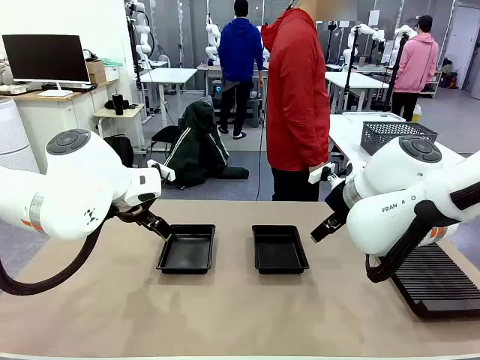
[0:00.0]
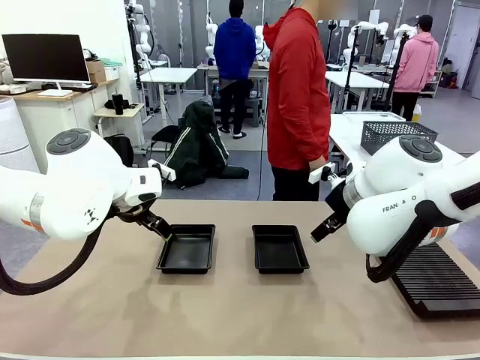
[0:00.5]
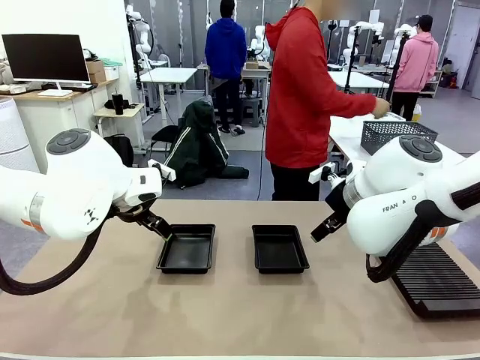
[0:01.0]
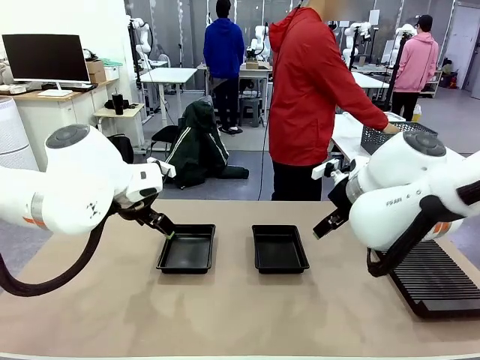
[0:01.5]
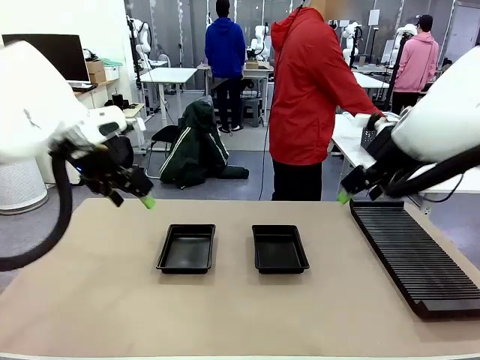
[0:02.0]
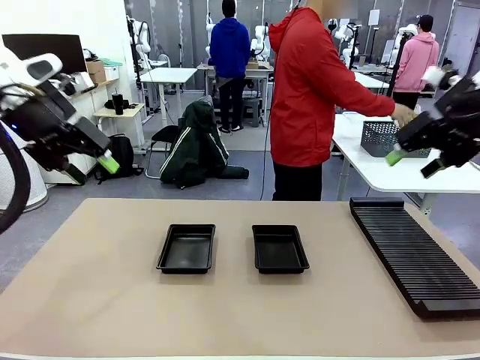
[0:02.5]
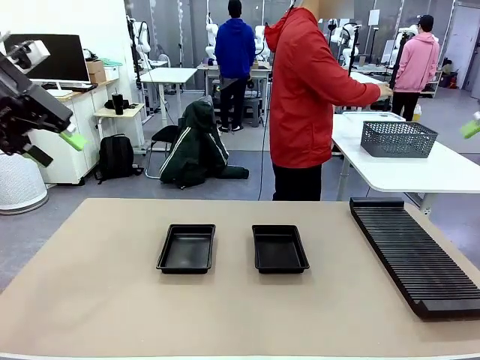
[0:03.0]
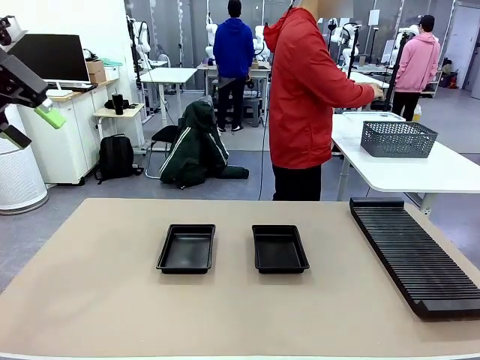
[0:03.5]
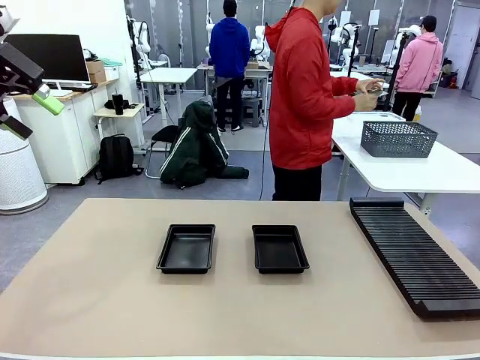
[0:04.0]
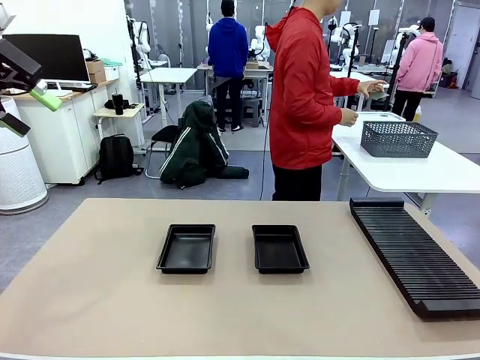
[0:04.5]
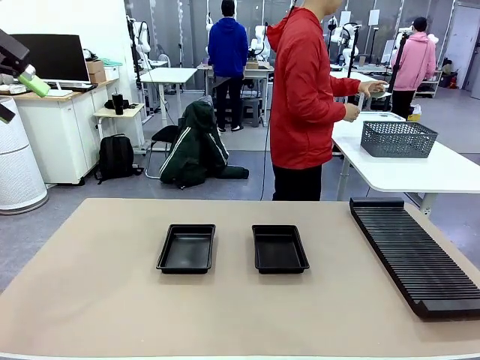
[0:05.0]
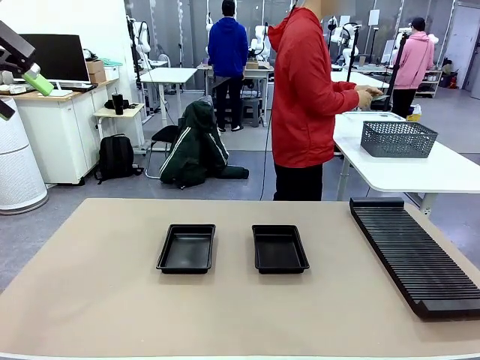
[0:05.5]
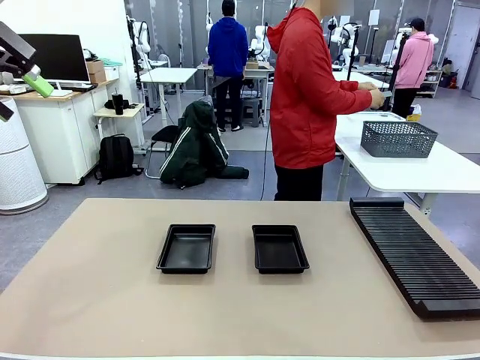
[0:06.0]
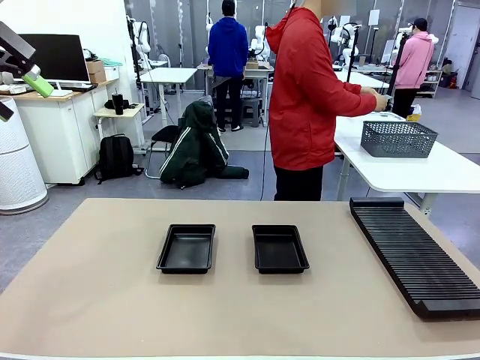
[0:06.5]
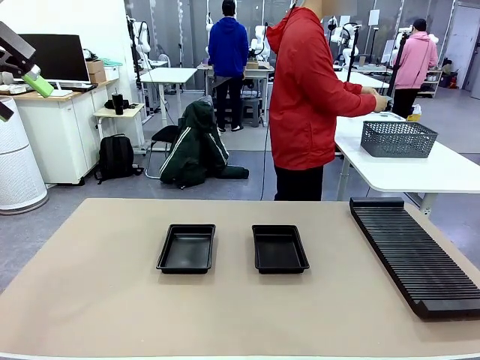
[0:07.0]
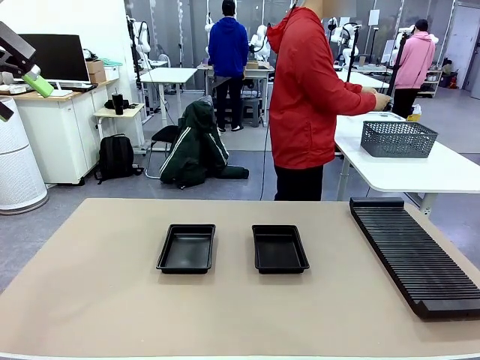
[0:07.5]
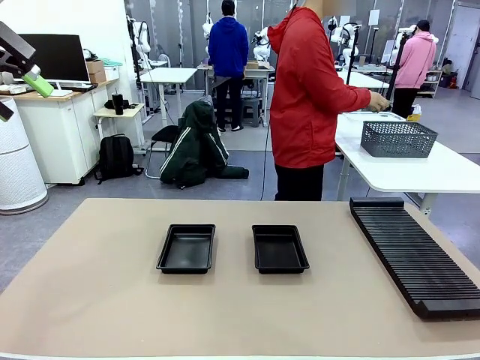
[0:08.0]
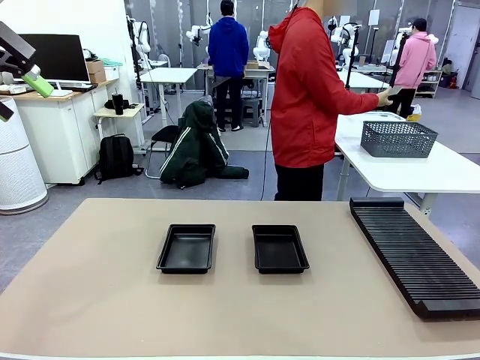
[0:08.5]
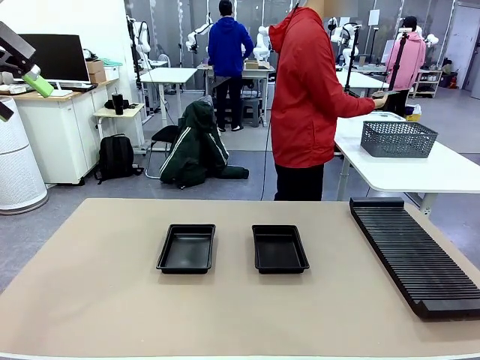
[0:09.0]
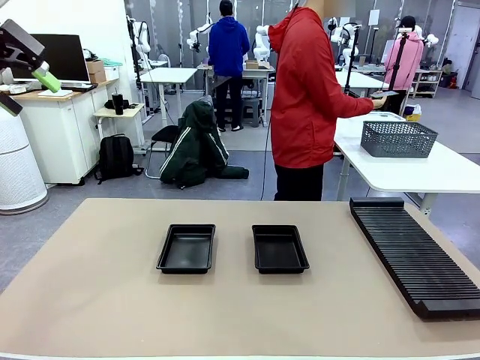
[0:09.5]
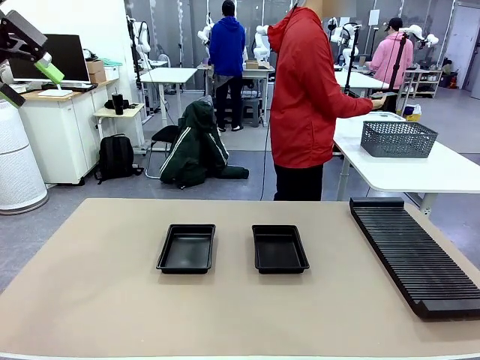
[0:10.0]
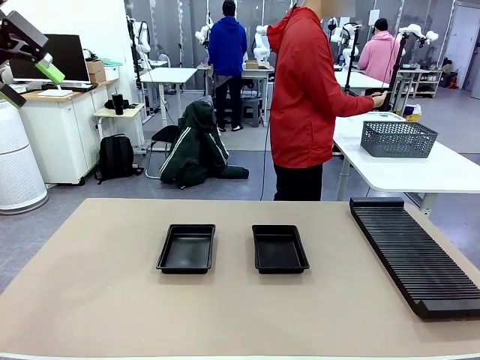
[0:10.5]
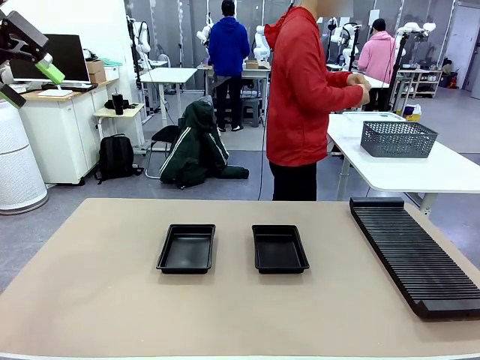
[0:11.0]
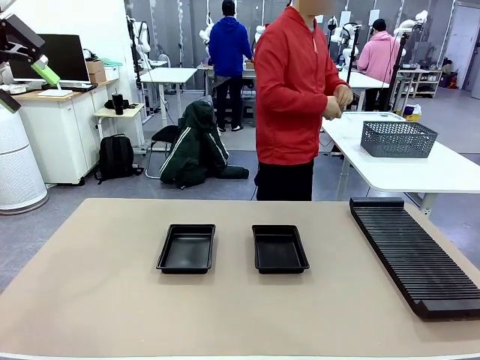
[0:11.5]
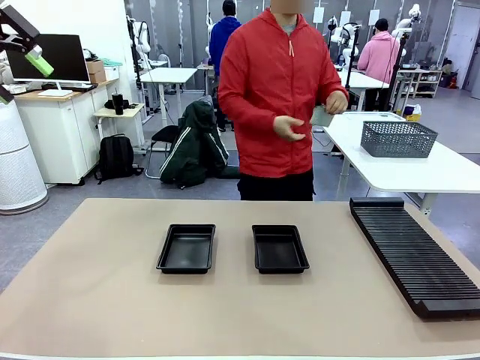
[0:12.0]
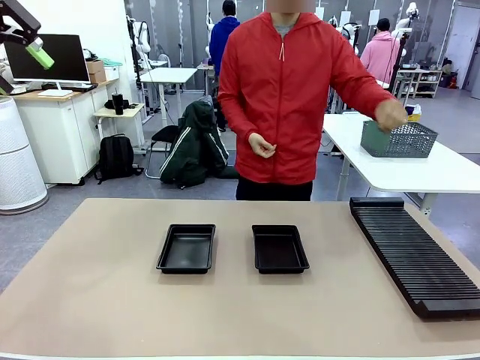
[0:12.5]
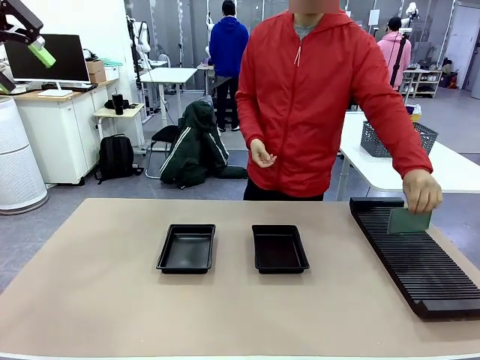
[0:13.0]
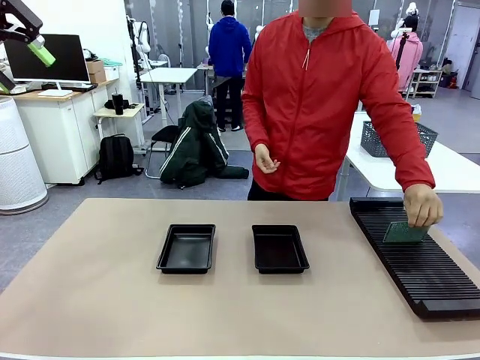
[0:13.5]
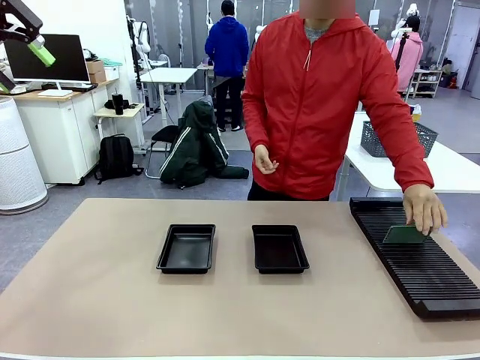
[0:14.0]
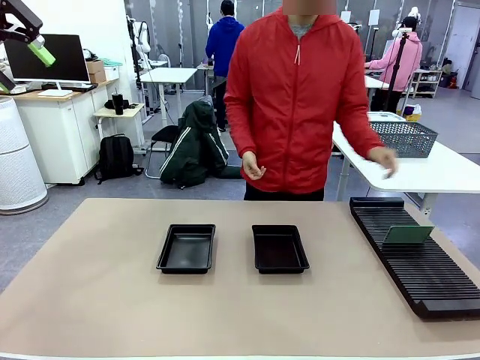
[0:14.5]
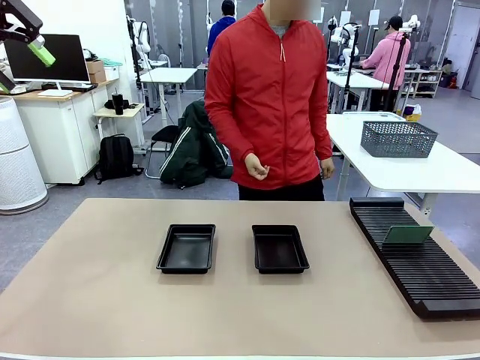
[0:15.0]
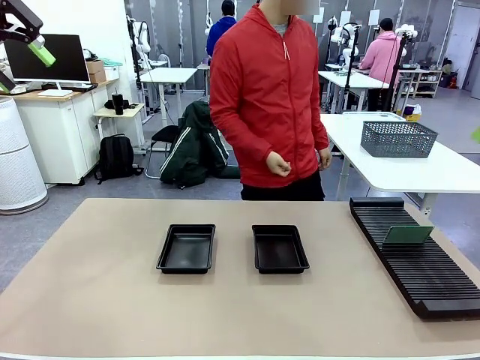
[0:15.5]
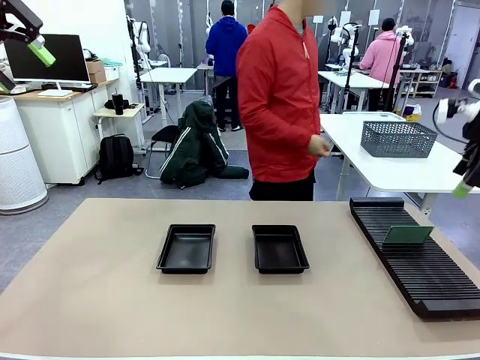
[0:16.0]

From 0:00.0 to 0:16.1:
Task: Inspect and transfer BCBs to ESD trays.
Robot: Pick up the Blank PCB from the PCB Rack and place it in the left ESD tray.

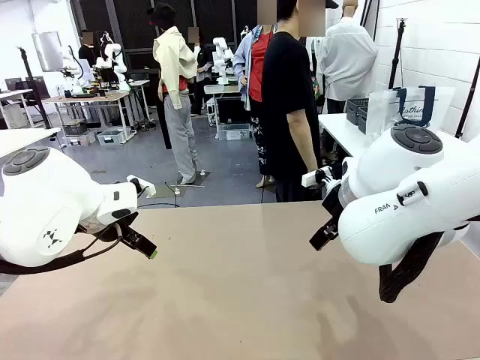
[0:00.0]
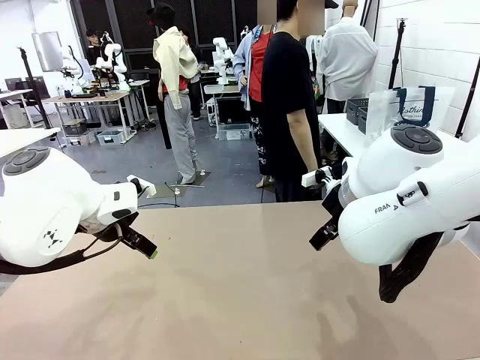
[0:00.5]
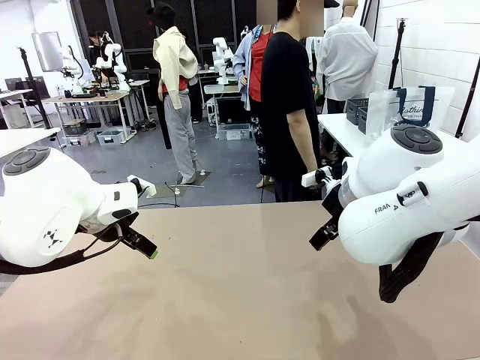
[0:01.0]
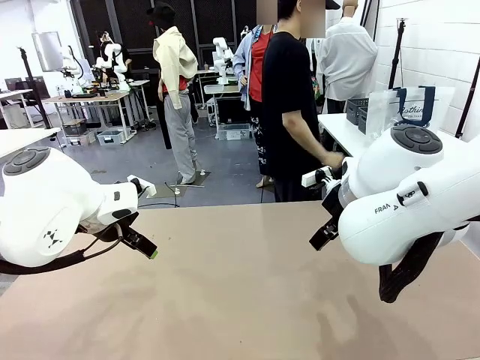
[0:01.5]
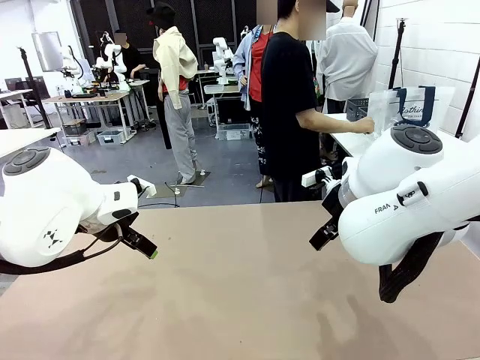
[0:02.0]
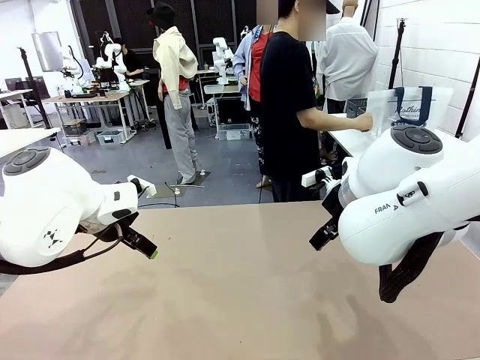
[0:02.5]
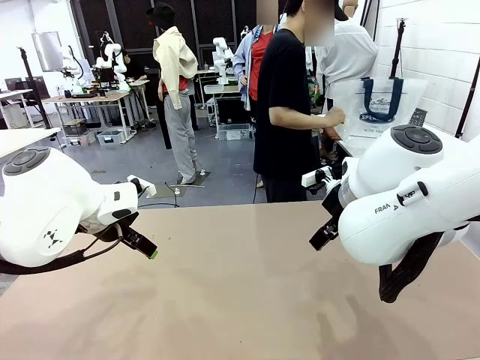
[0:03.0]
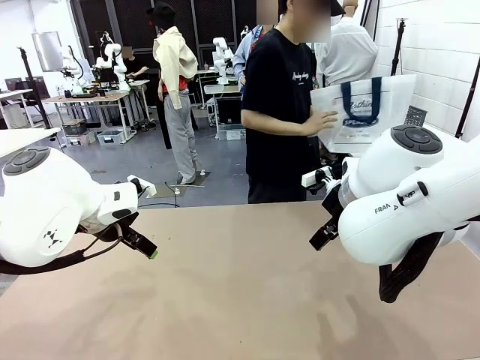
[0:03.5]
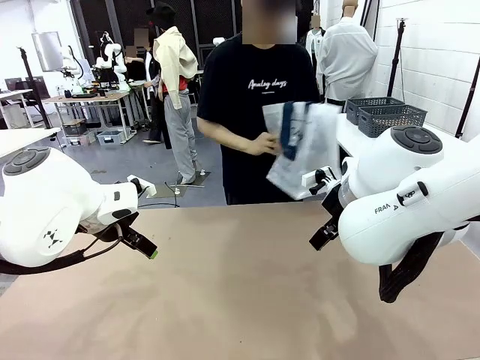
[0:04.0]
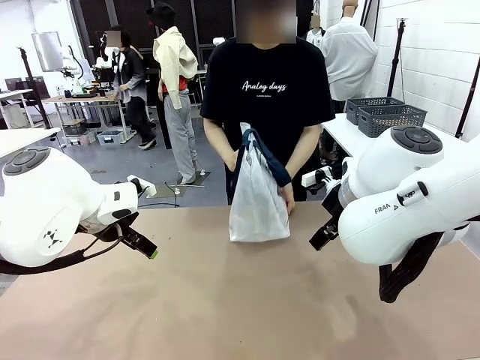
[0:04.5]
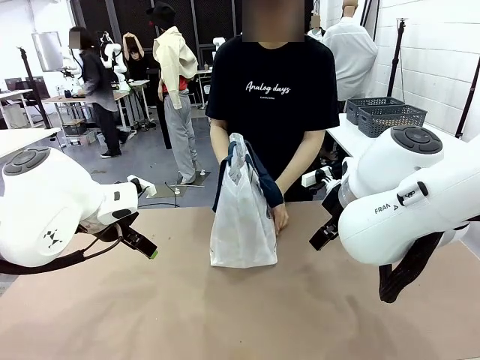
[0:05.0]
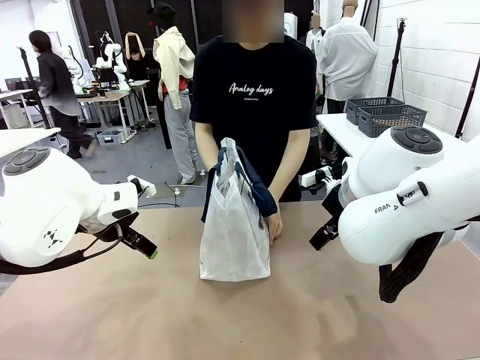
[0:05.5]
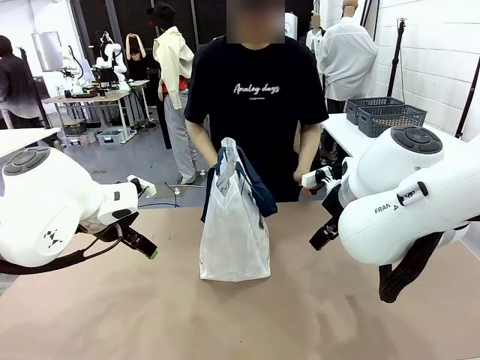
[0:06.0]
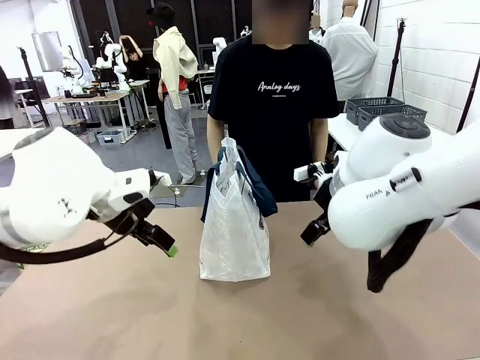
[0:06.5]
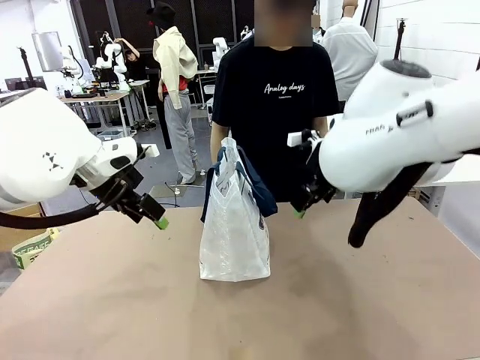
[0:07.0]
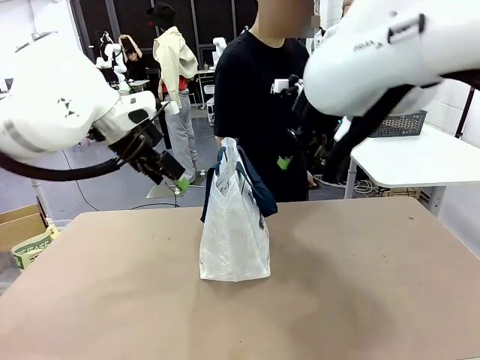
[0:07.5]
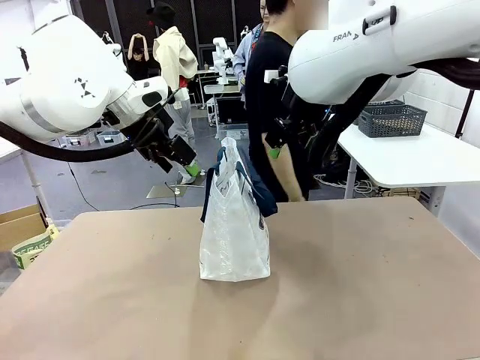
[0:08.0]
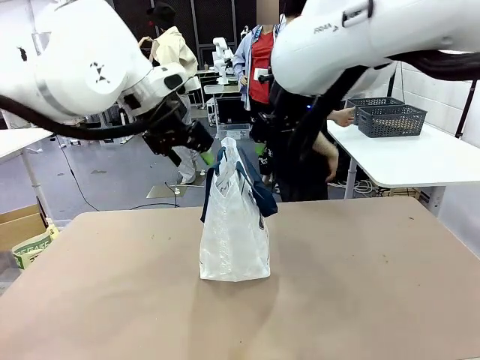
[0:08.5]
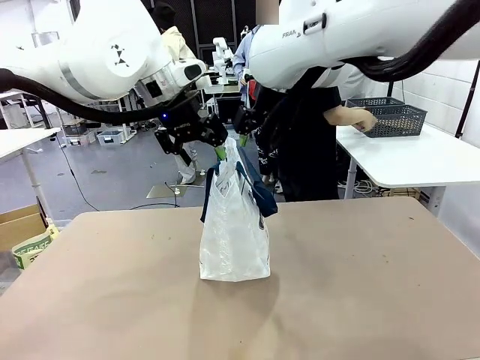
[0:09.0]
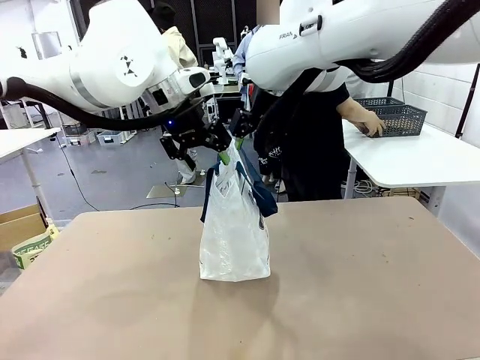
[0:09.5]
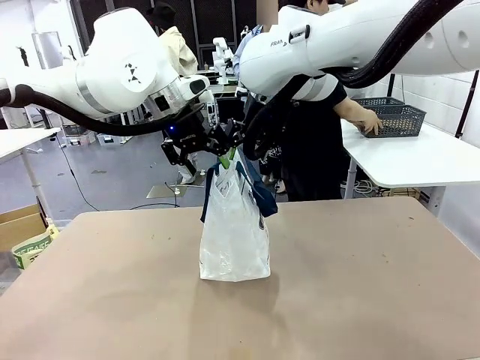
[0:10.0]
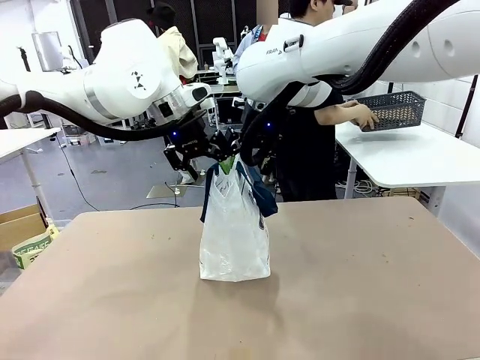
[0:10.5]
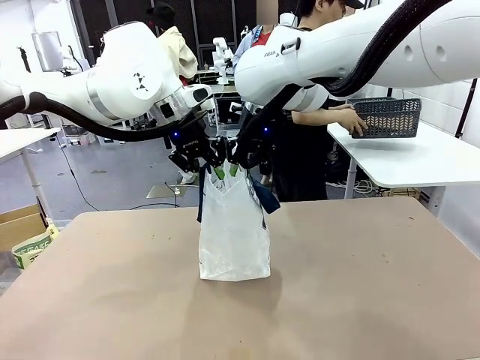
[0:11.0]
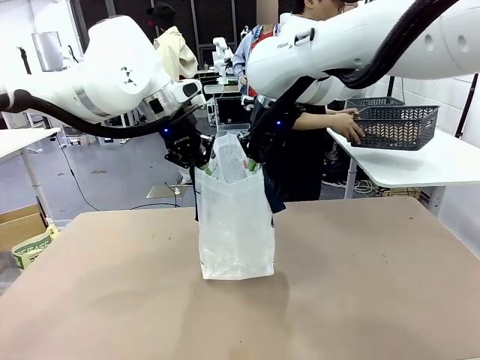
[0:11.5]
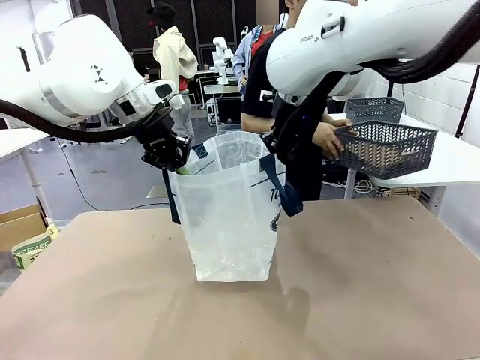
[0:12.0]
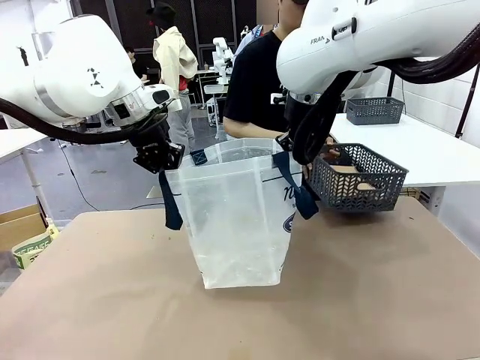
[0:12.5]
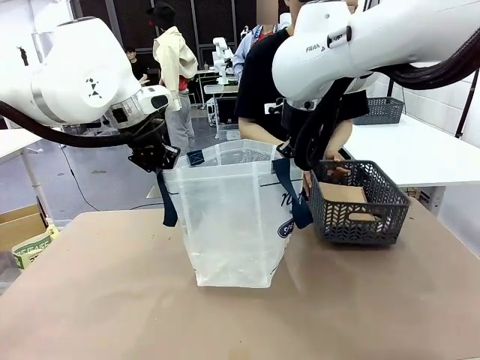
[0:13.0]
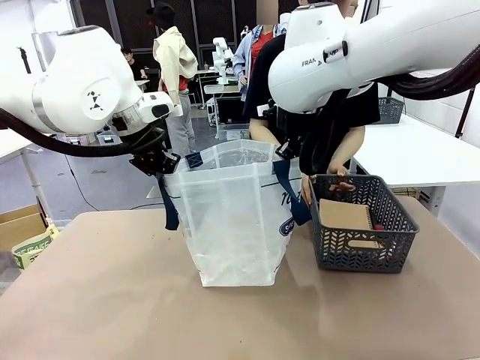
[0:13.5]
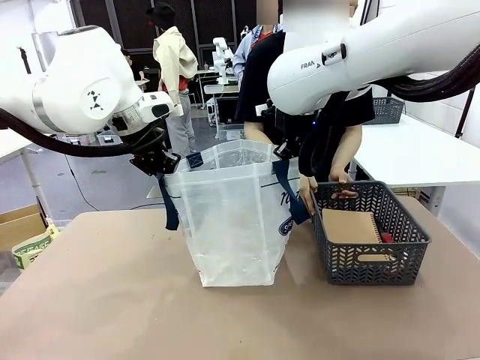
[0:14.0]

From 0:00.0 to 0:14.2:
Task: Transfer purchased items from the store into the shopping bag.
Robot: Open the Reusable shopping bag in the center of the table.
Person: Pick up the shopping bag and place it in the middle of the robot table.
